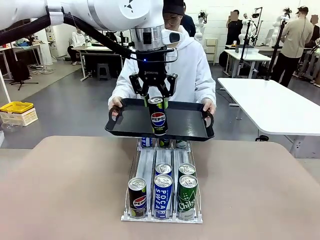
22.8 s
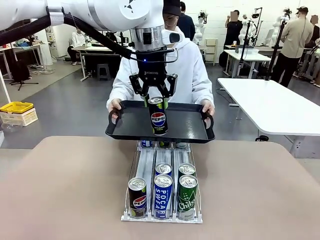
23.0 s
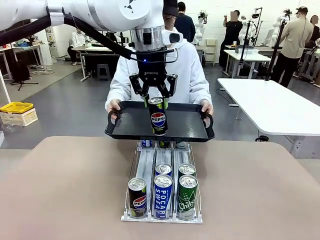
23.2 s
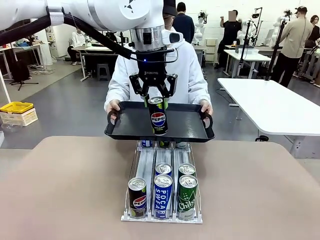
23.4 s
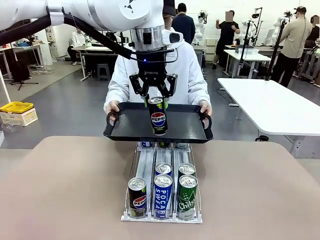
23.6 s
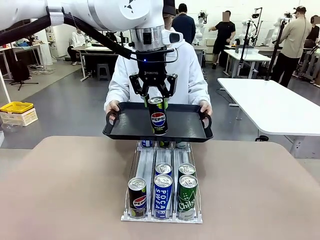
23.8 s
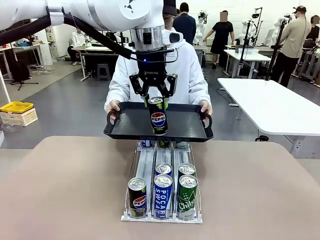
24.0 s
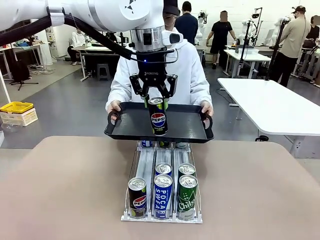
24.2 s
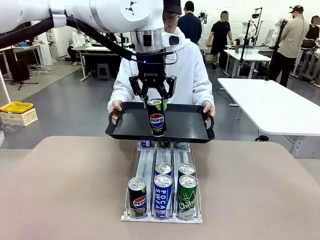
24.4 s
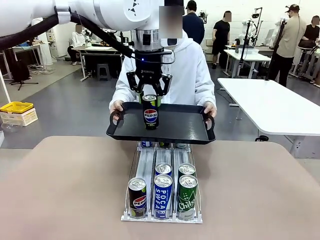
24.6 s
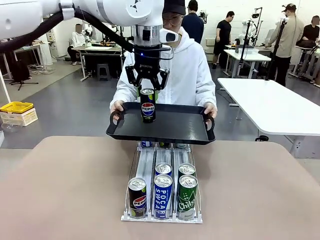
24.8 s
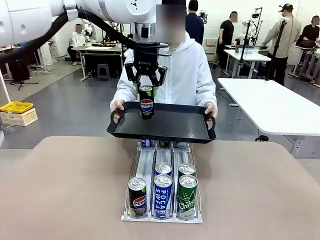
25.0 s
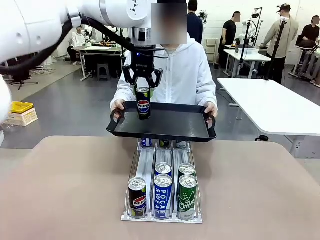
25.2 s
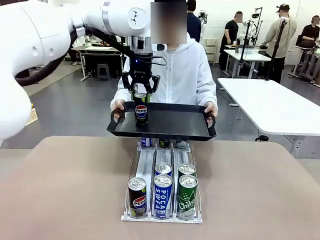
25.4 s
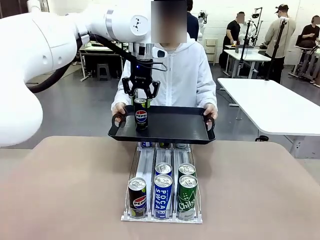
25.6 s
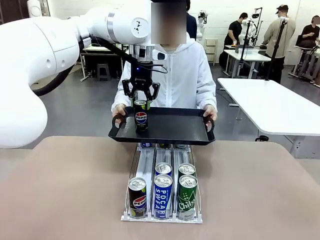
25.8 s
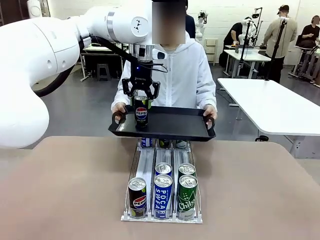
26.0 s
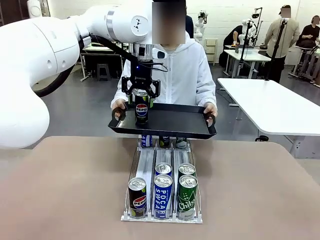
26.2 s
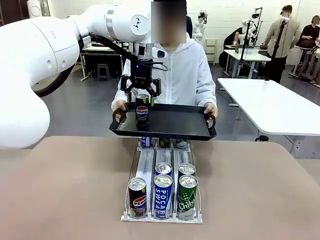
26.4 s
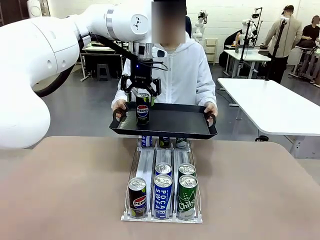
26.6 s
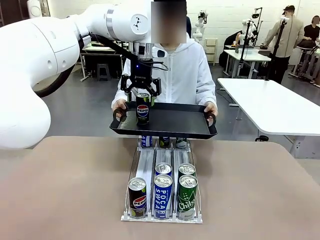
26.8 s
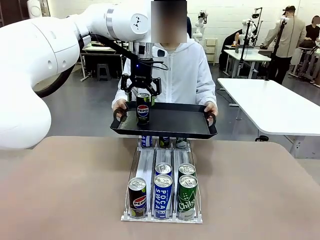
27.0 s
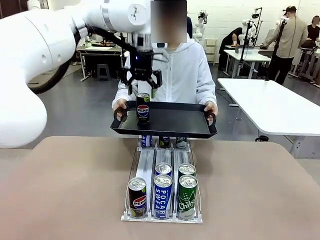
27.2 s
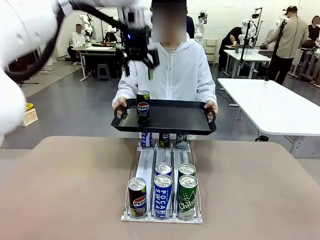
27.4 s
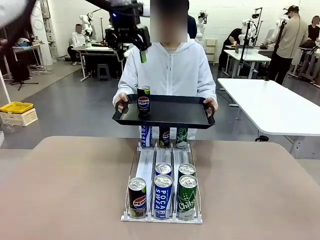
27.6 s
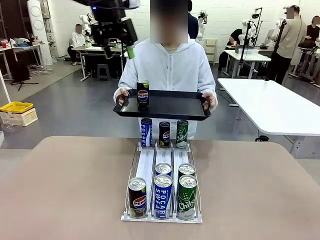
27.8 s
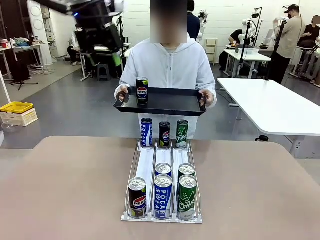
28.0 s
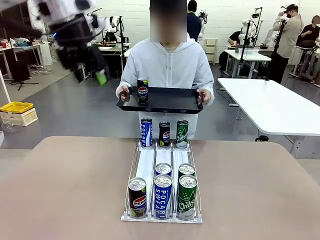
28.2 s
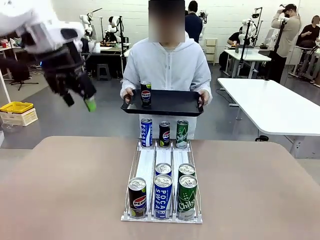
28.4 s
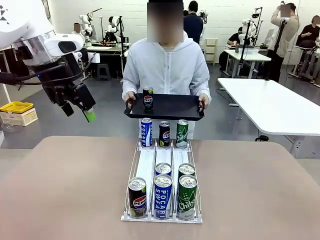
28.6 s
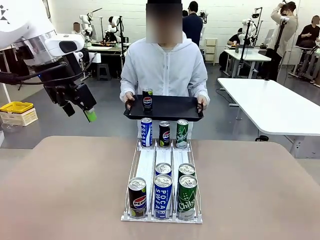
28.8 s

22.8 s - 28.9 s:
Task: Retrieve and hand over the desired beverage to the person.
Robot: Place the picked can on the Handle tray extended by the person.

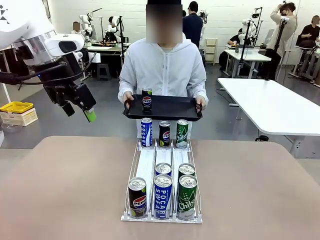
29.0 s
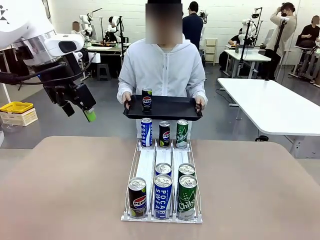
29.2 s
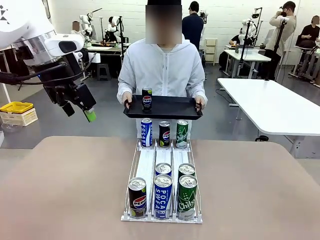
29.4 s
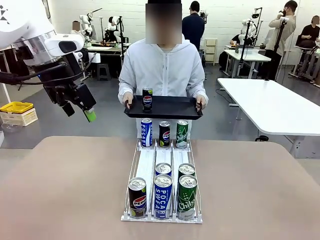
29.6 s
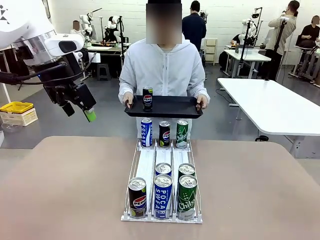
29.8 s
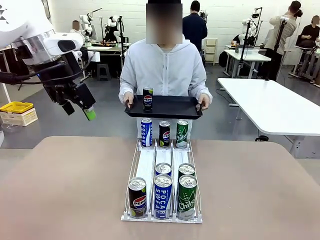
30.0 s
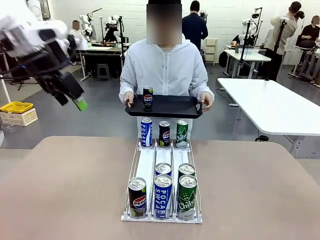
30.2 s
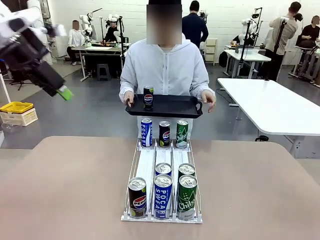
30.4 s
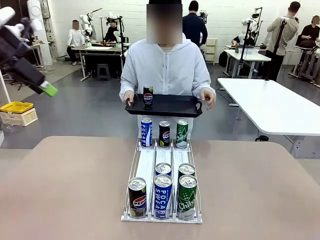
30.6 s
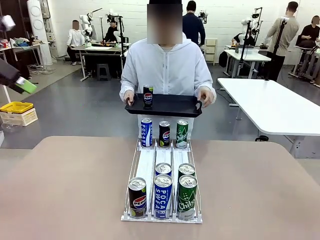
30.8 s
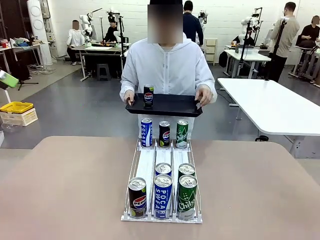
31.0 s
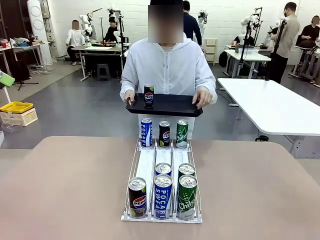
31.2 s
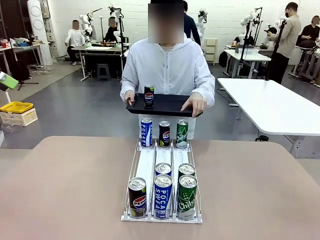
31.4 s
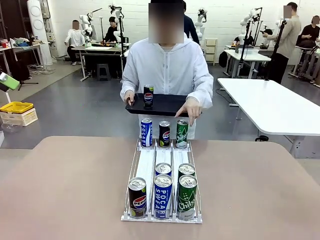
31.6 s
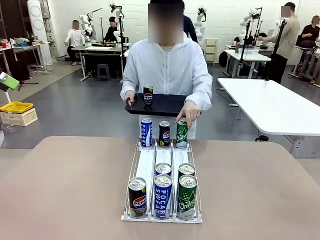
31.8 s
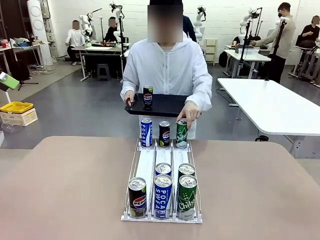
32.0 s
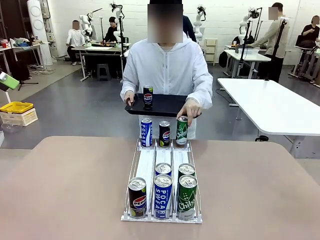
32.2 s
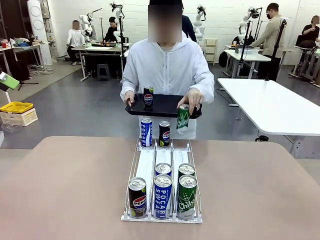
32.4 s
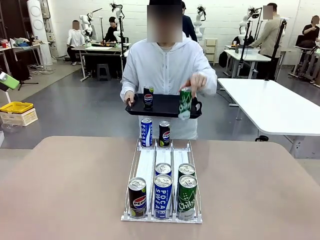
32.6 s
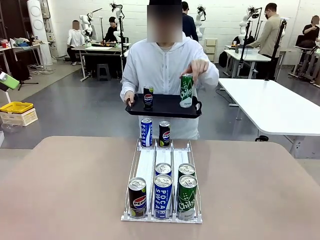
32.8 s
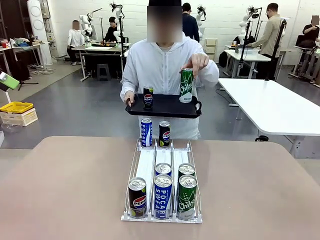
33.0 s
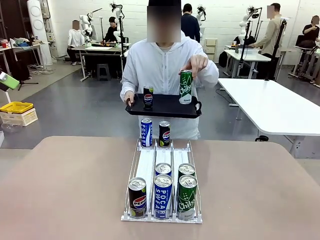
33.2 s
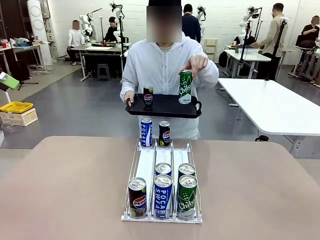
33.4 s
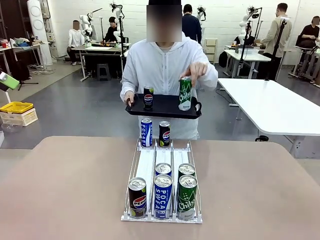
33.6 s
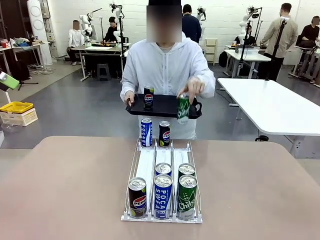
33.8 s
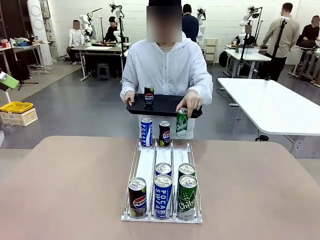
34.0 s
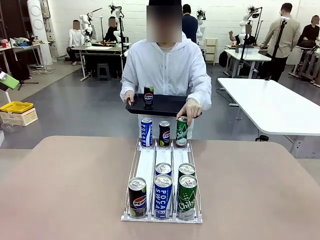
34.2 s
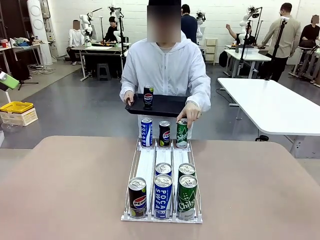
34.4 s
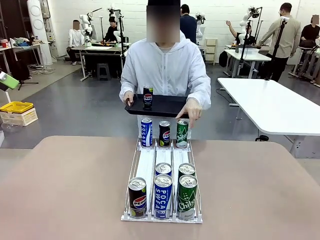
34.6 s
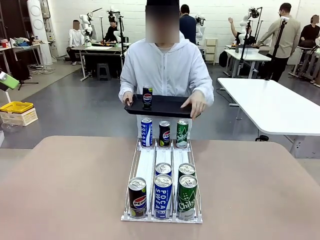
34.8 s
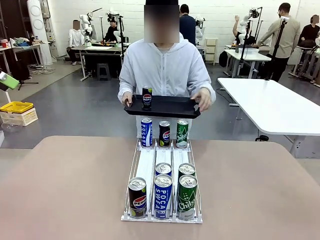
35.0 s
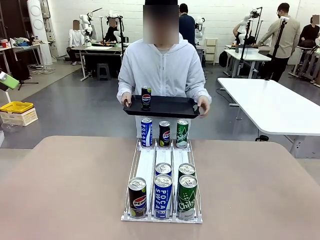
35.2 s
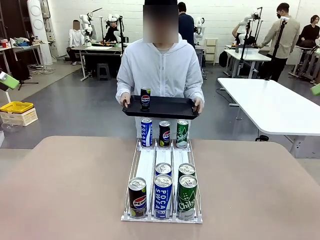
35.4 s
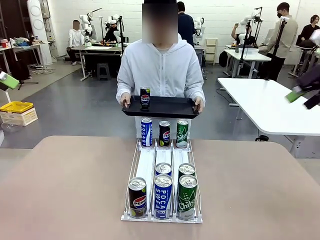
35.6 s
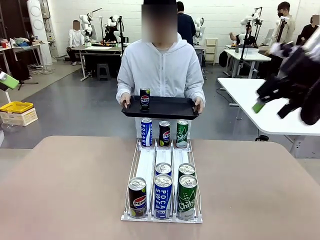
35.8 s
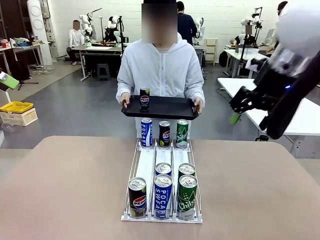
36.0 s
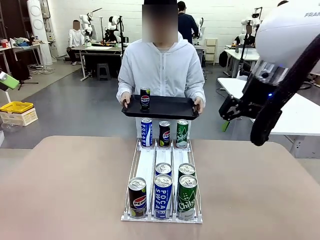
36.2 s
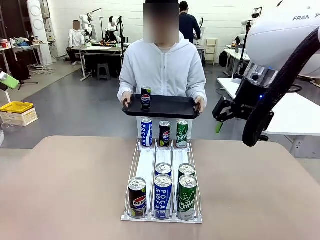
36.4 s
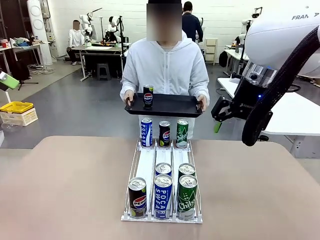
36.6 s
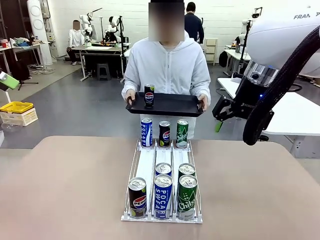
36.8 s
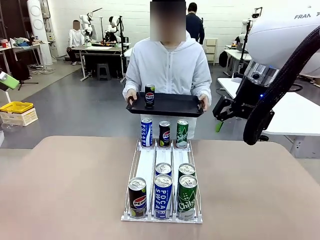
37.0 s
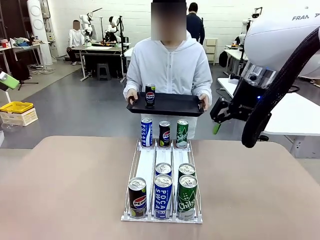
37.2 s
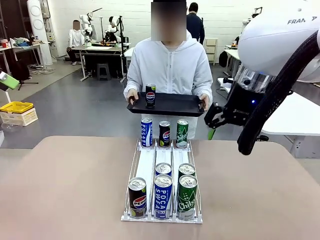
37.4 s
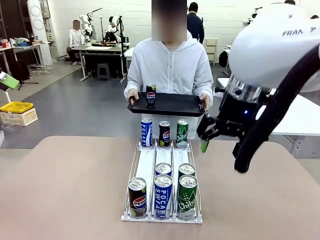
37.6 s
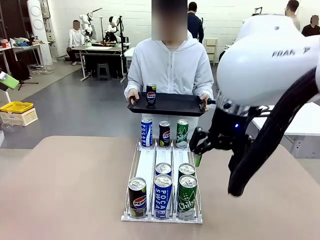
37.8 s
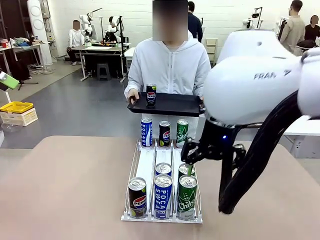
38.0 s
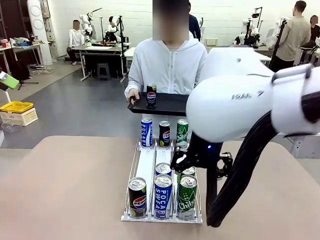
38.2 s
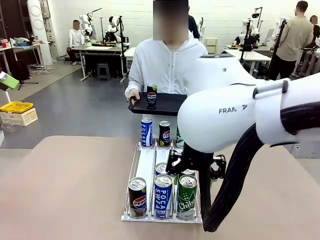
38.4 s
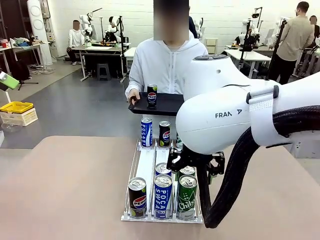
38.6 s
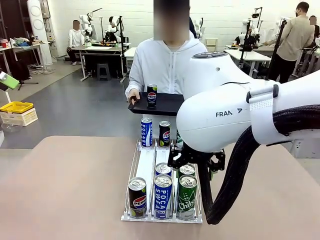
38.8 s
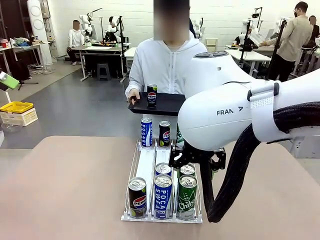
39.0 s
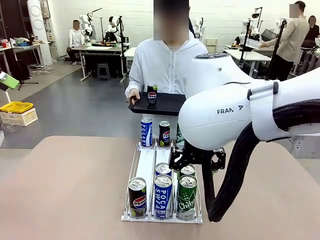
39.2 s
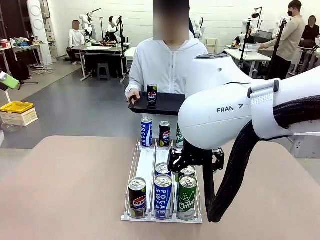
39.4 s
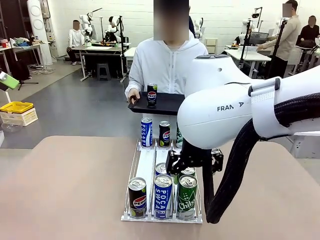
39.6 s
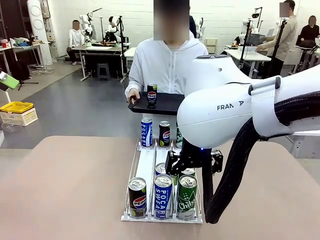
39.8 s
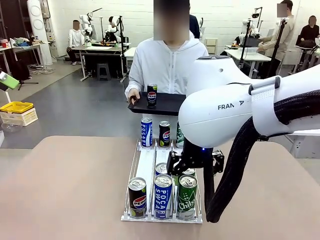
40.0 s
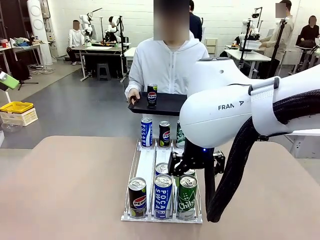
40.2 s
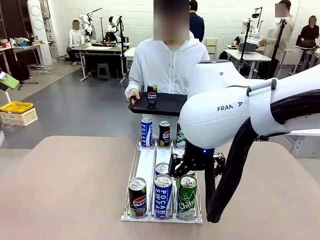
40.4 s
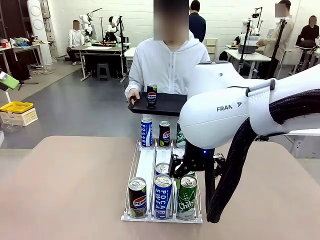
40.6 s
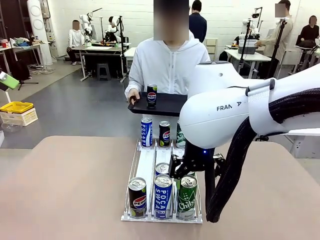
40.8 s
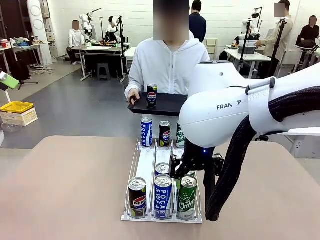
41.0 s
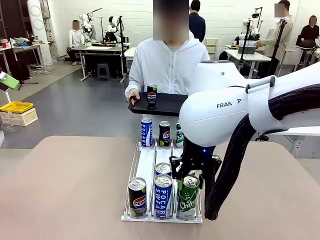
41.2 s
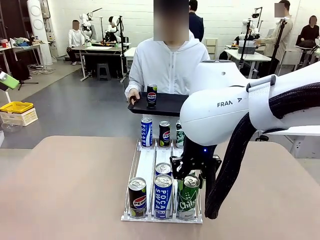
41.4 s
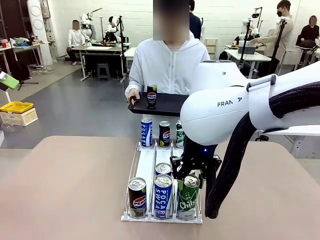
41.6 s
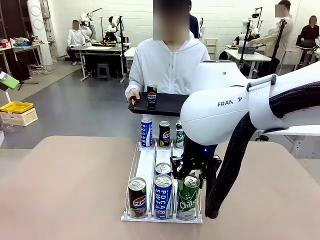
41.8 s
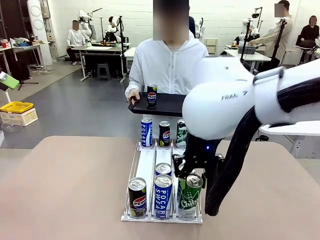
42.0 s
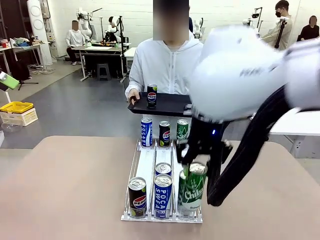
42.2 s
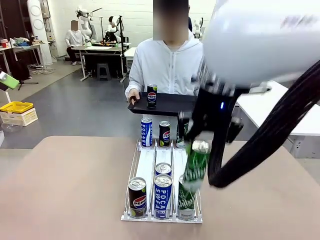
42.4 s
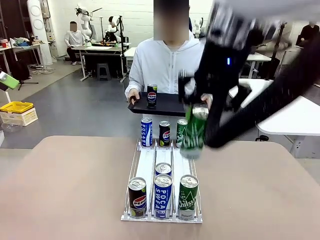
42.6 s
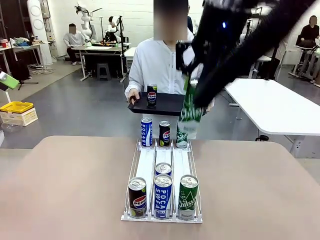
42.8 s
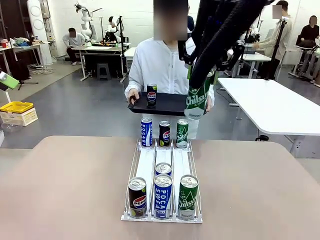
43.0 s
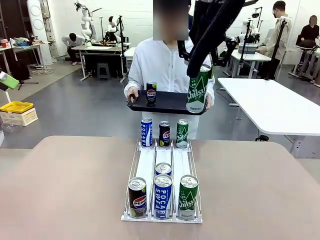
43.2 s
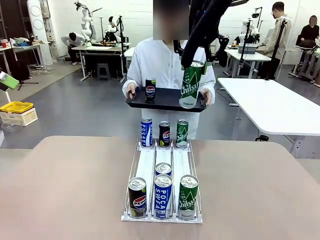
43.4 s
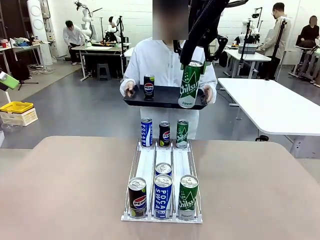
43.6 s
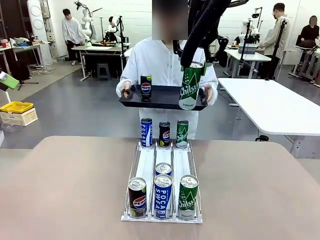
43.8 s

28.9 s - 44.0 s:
Robot: Pick up another can of the same type that the person held from the Automatic Can Dispenser.
Person: Pull the tray back, then pick up another can from the bottom area of the table and puts it back in its original place. Push the tray toward the robot again.
